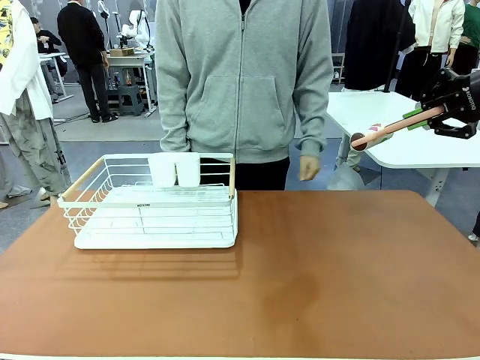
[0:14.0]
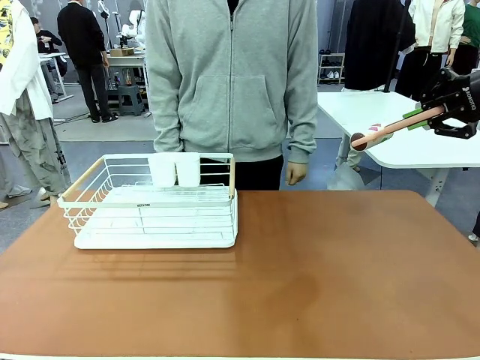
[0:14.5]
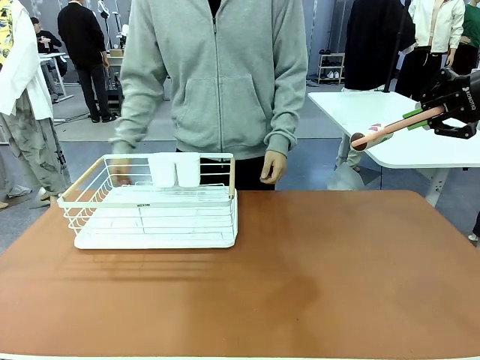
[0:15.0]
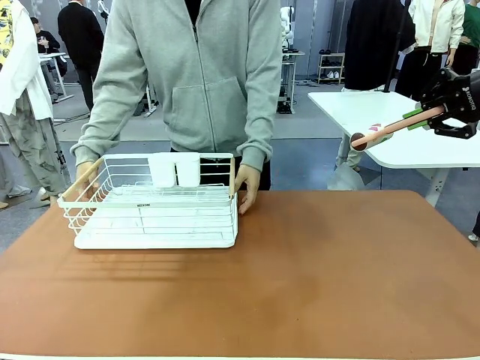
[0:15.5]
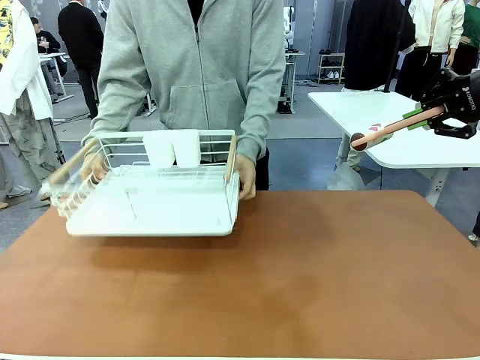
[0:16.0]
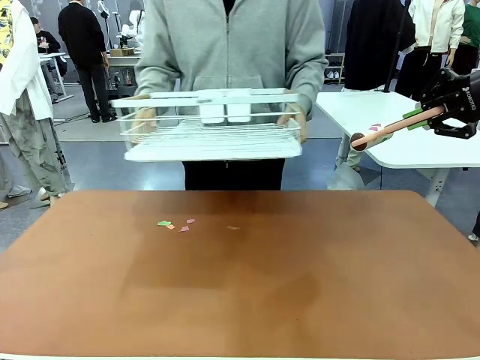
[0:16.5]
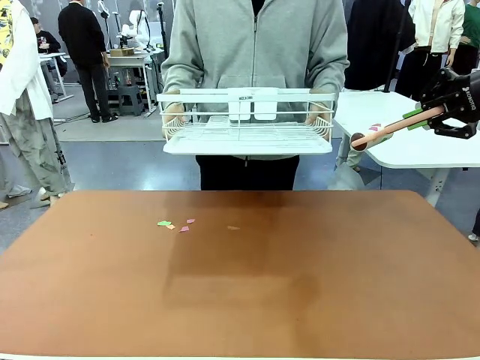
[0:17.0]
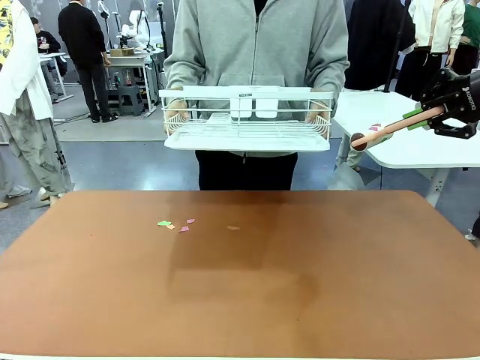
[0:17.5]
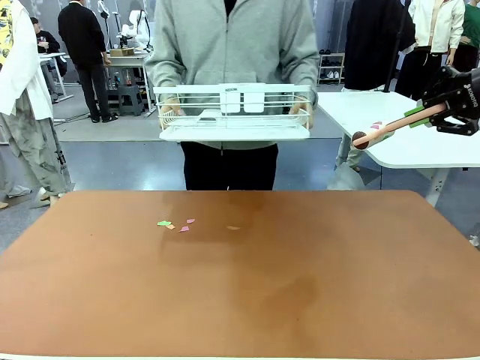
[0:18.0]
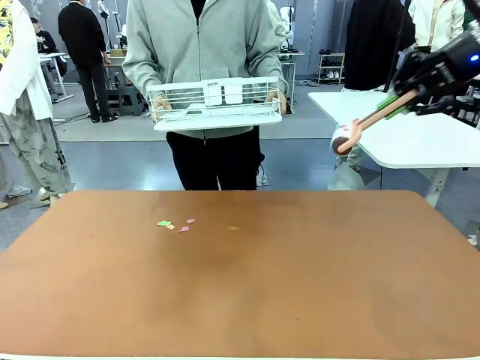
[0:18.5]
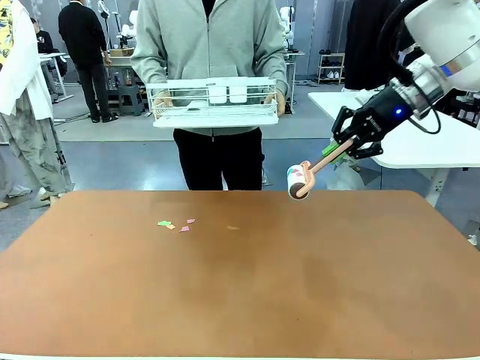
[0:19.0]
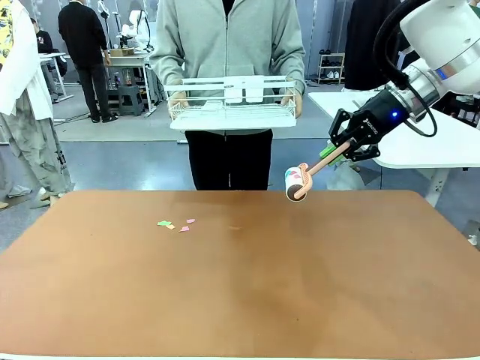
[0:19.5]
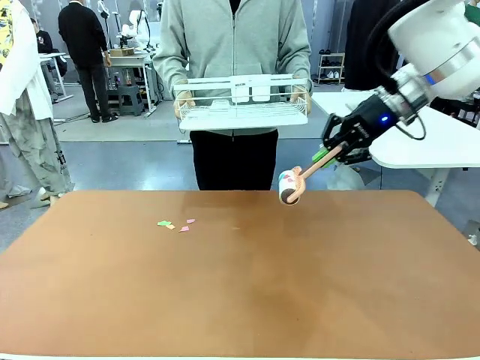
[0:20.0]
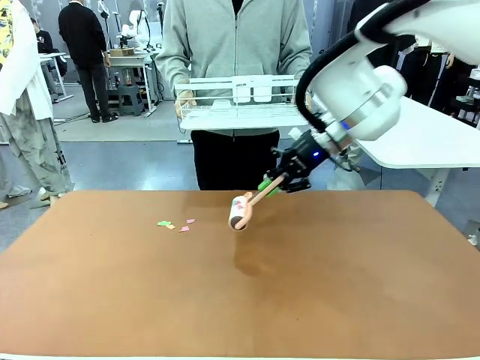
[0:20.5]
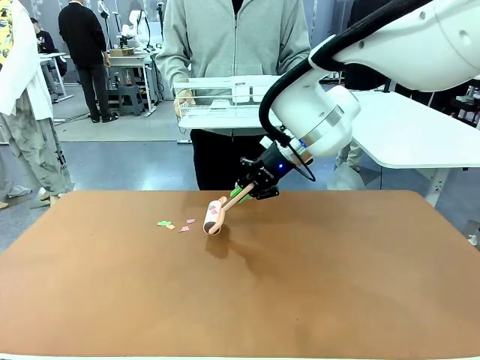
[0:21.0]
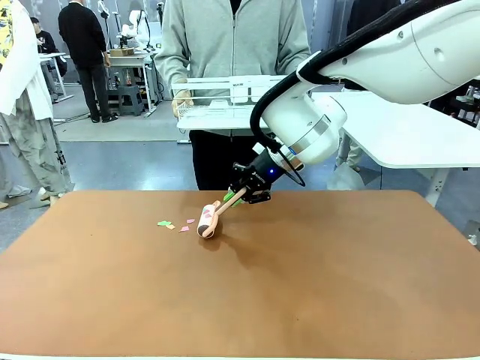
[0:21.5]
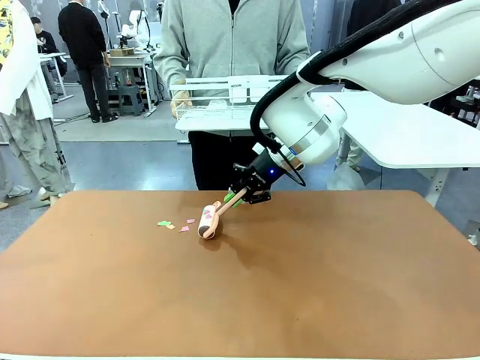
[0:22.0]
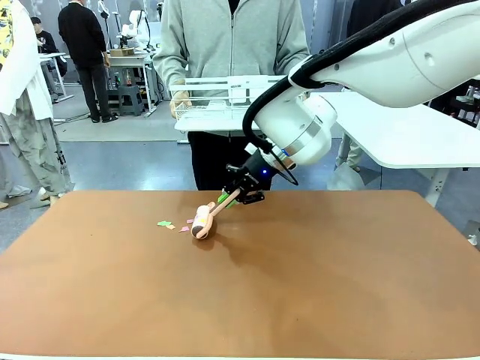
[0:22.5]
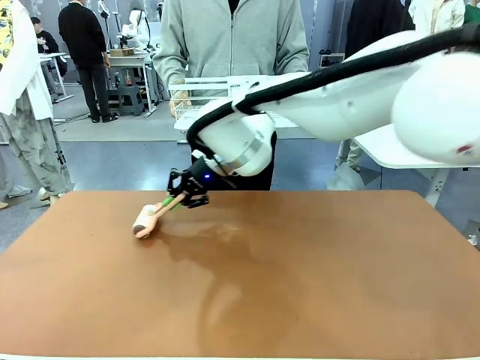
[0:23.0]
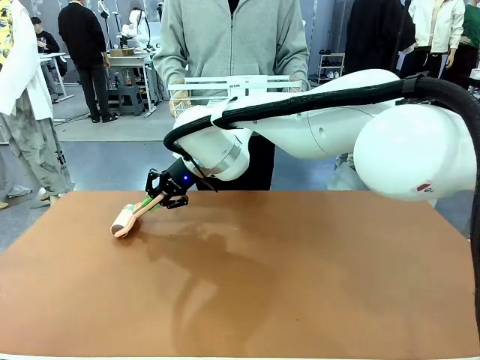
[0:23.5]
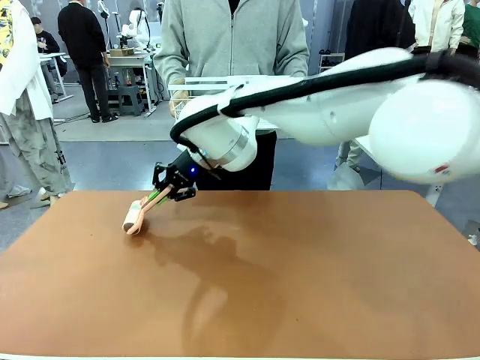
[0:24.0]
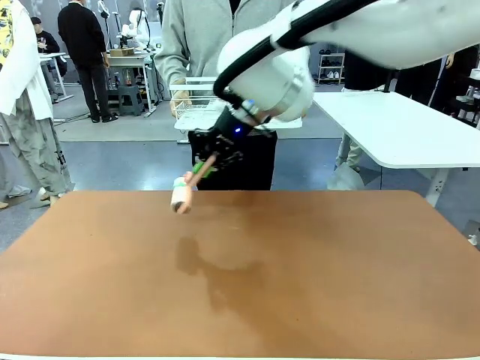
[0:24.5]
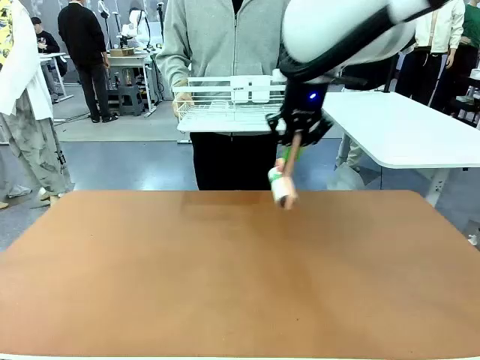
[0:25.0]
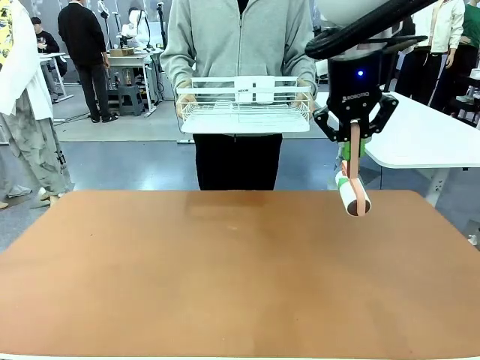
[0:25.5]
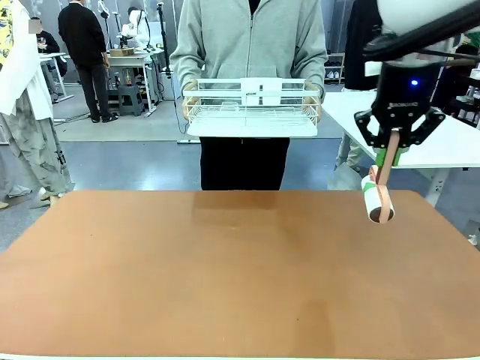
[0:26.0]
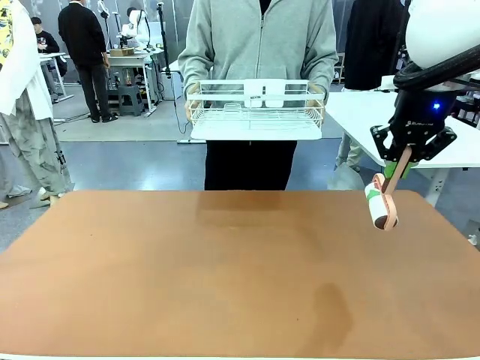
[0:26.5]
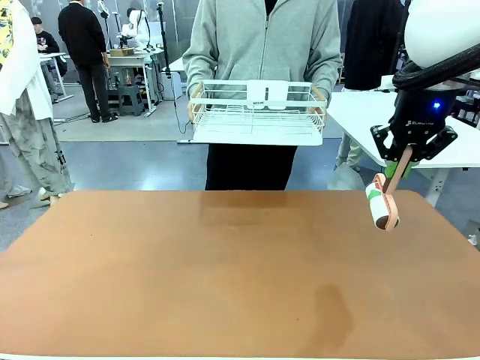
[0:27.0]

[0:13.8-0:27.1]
Task: Clean the table.
Robot: Clean the table with the Lint Roller when the human lifts the Dish drying rack.

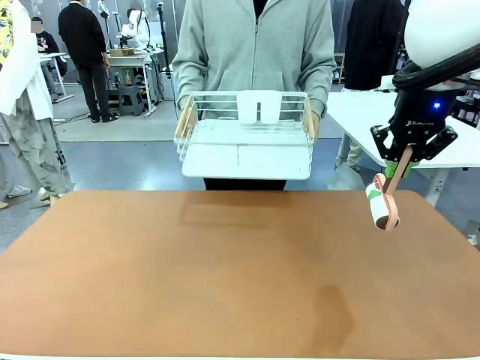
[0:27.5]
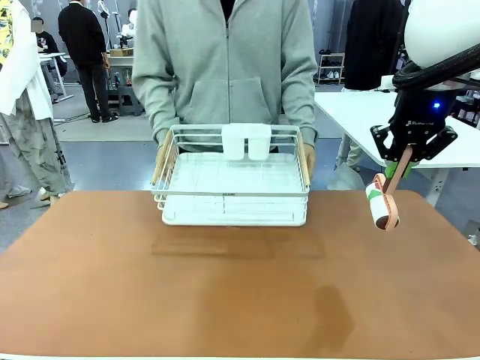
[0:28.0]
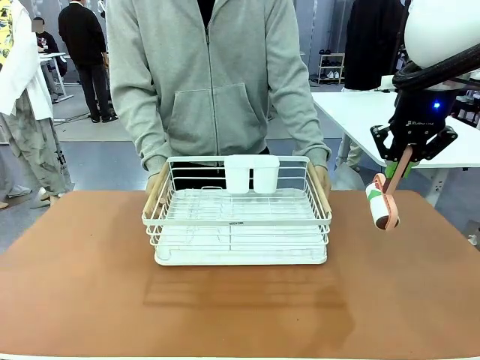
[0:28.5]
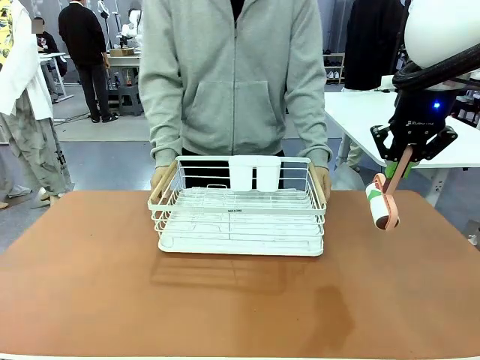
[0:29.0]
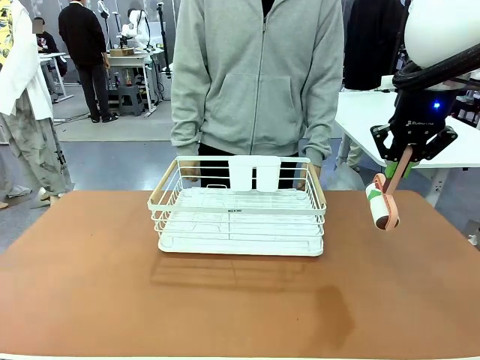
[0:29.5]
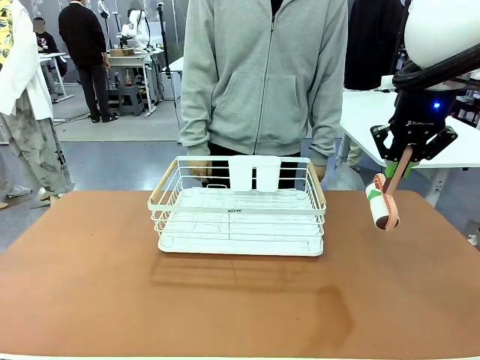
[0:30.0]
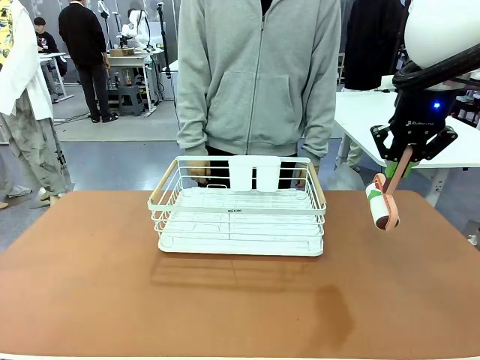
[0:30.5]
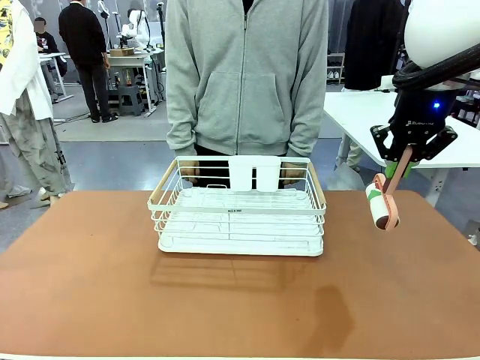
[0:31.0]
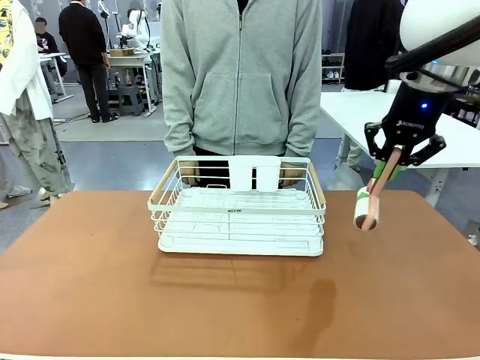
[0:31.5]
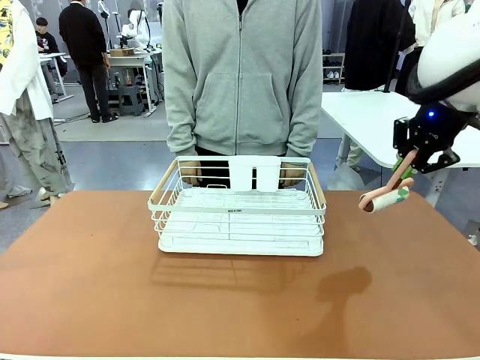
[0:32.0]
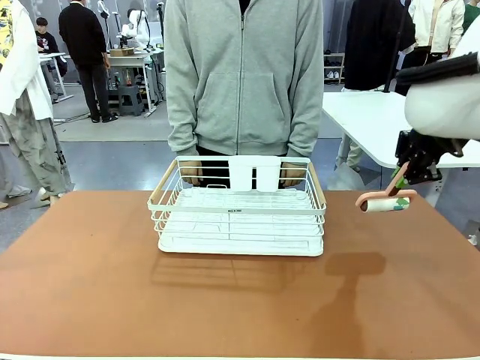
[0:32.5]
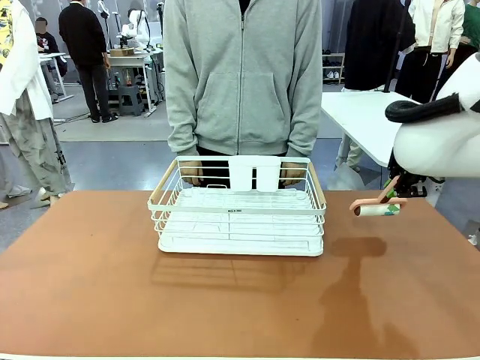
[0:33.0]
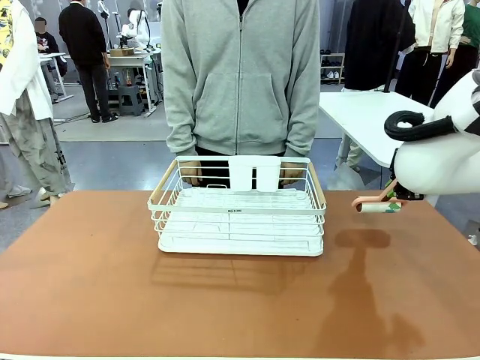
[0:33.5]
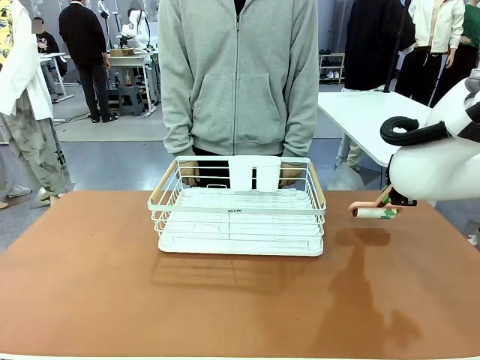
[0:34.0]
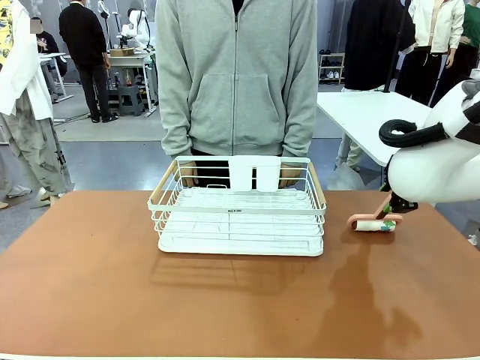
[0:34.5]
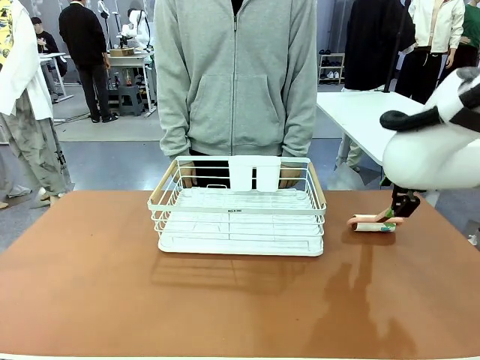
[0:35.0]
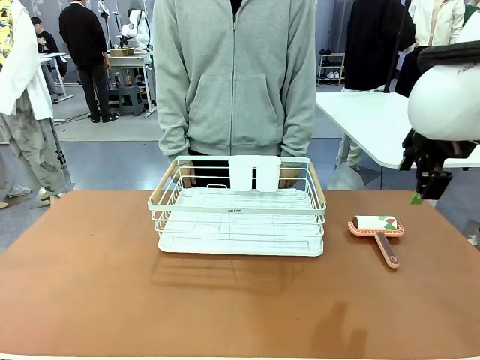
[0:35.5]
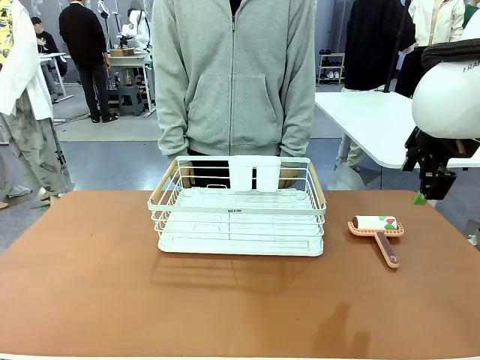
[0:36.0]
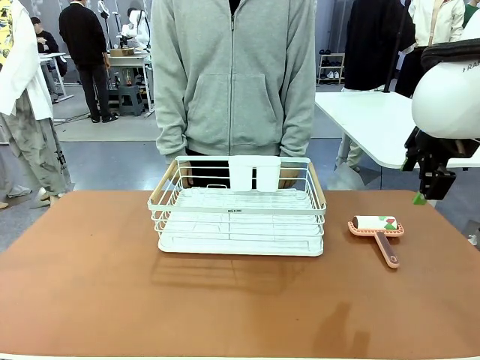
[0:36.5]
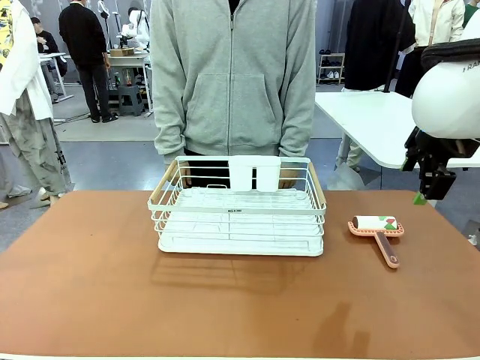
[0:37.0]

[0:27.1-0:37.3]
Robot: Place the Lint Roller down when the Dish drying rack is positioned in the middle of the table.
Person: Place the Dish drying rack down when the robot finishes cleaning.

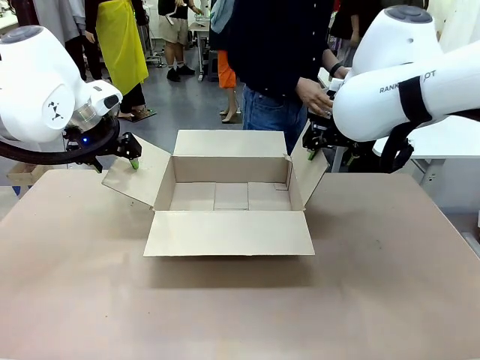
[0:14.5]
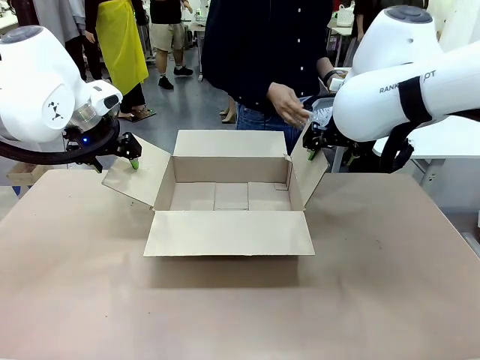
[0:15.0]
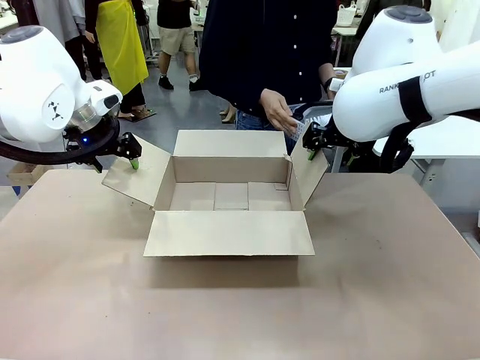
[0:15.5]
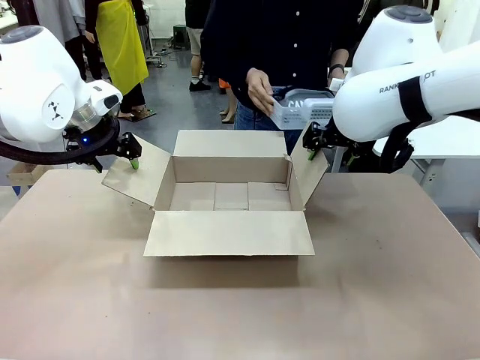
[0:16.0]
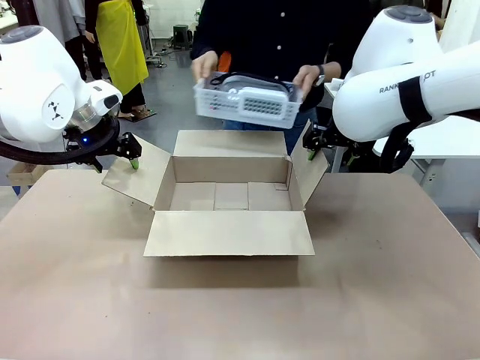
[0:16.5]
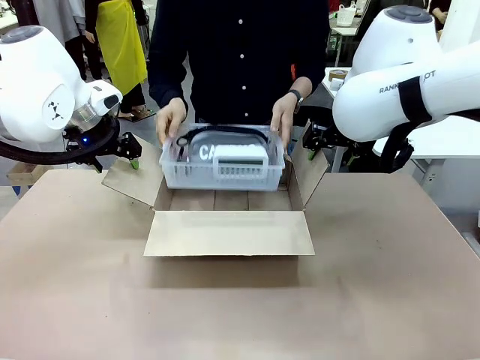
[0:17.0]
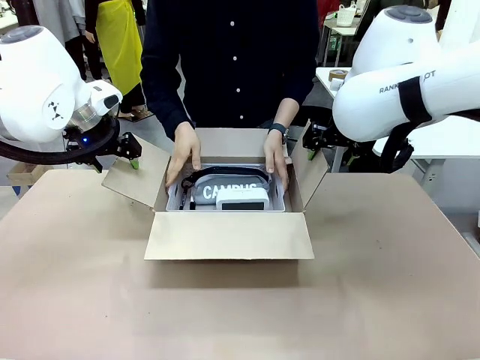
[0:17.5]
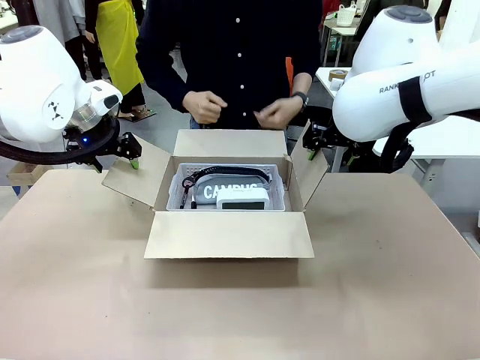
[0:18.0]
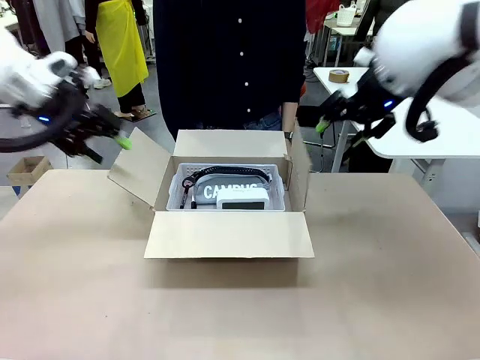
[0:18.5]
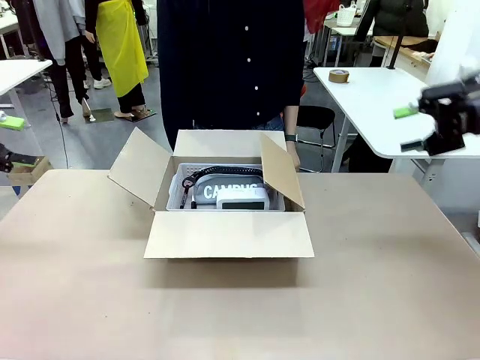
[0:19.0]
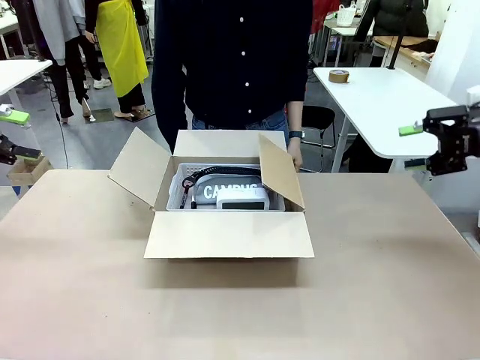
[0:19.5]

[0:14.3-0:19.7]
Task: Pack the gift set into the box.
Robot: Lift both hands away from the flaps of the Package Box.
Person: The human picks up the organizing basket and places the organizing basket into the package box on the robot table.
